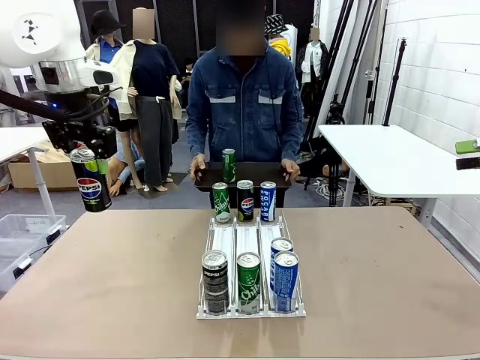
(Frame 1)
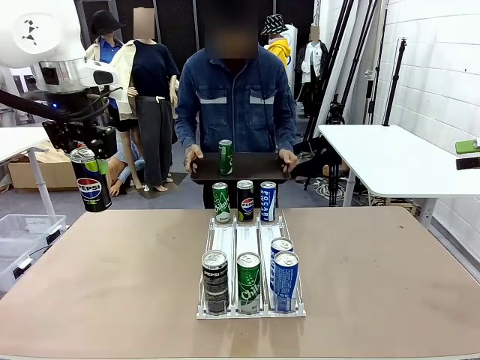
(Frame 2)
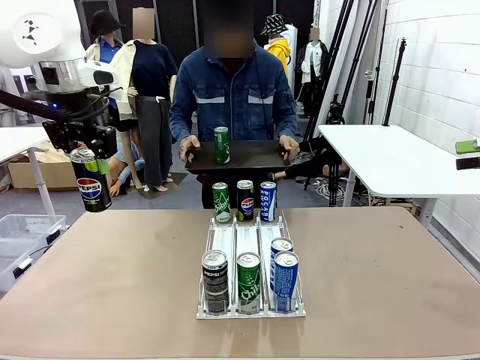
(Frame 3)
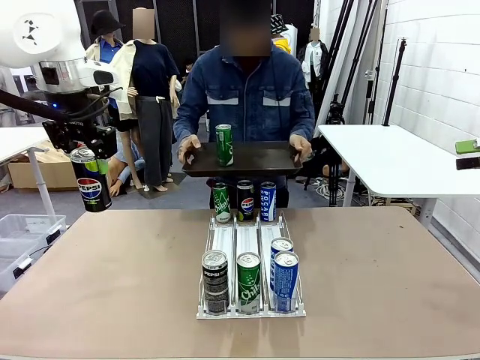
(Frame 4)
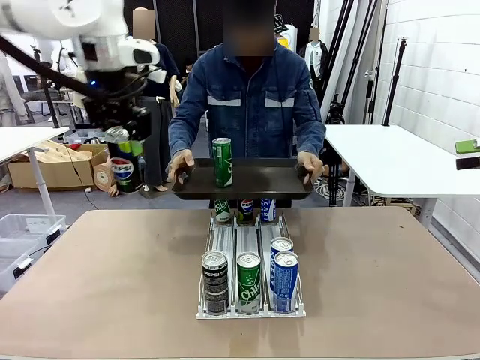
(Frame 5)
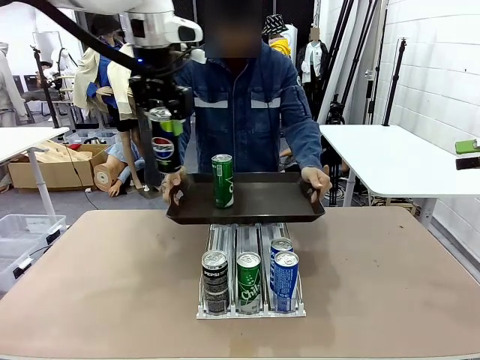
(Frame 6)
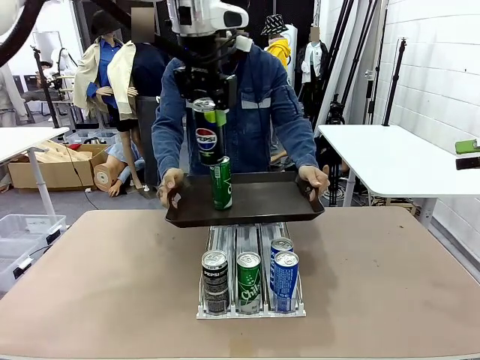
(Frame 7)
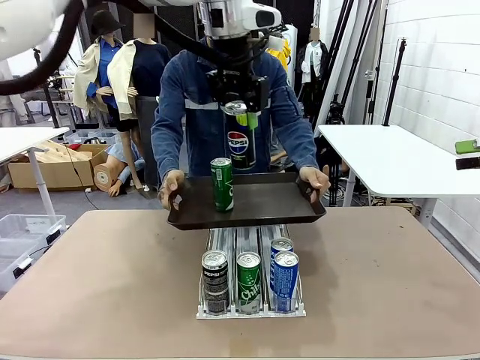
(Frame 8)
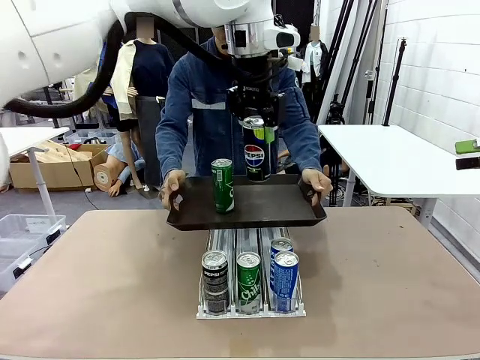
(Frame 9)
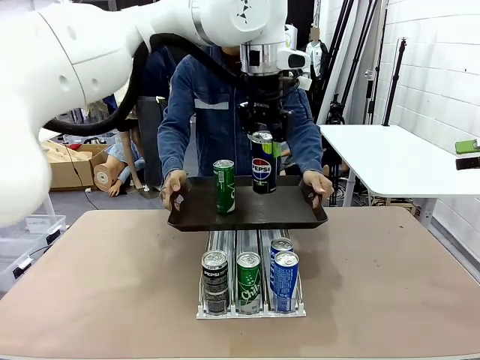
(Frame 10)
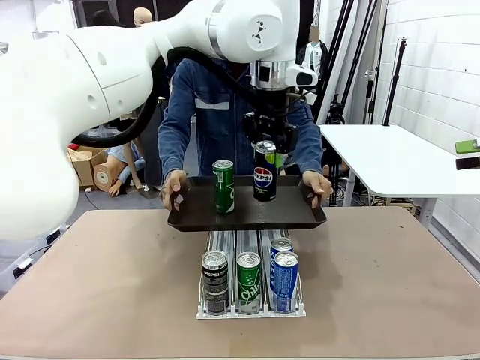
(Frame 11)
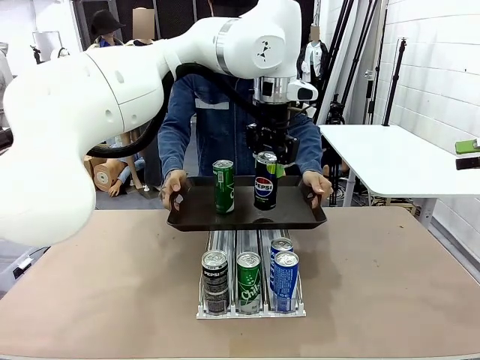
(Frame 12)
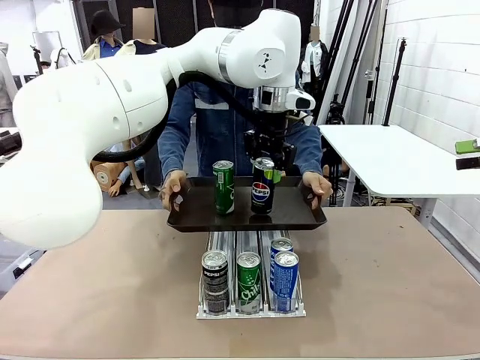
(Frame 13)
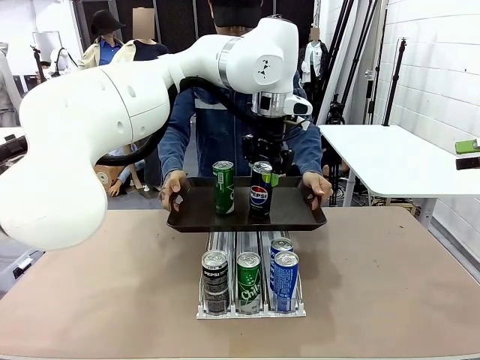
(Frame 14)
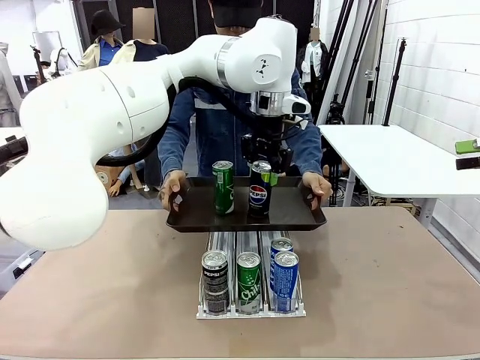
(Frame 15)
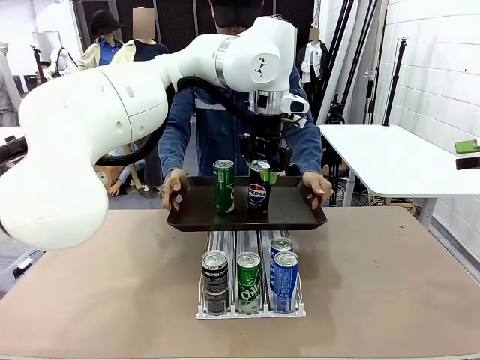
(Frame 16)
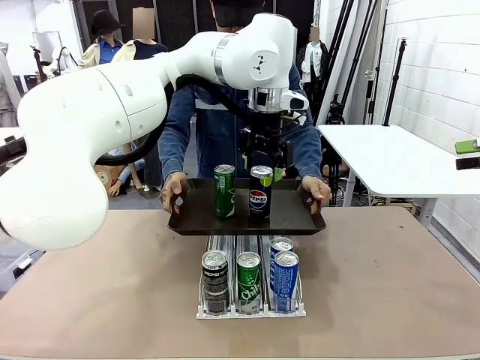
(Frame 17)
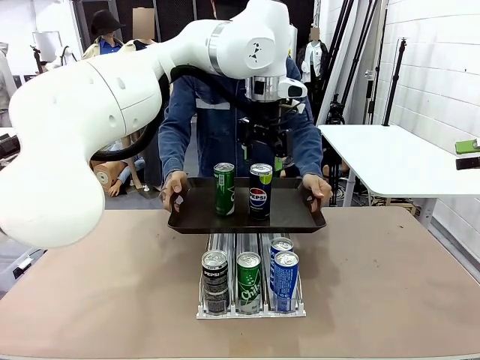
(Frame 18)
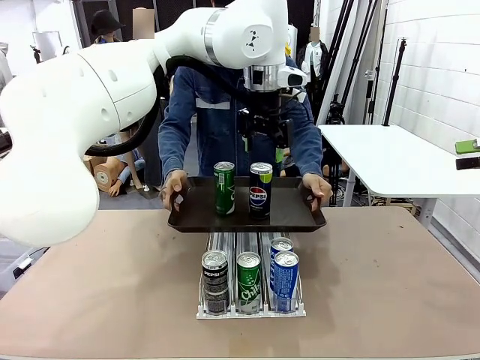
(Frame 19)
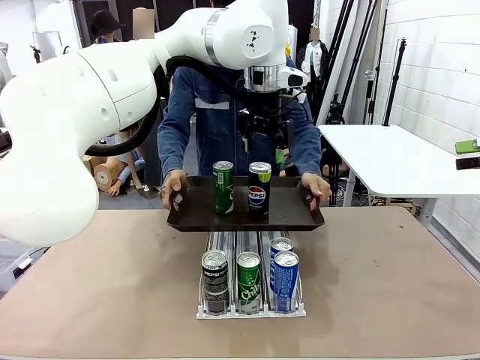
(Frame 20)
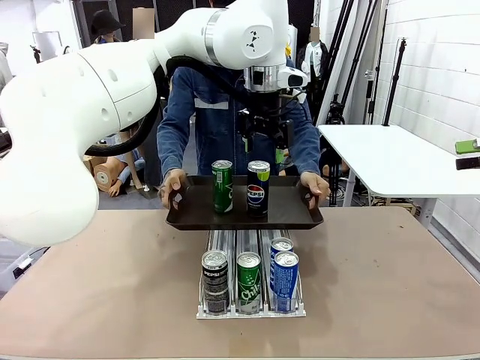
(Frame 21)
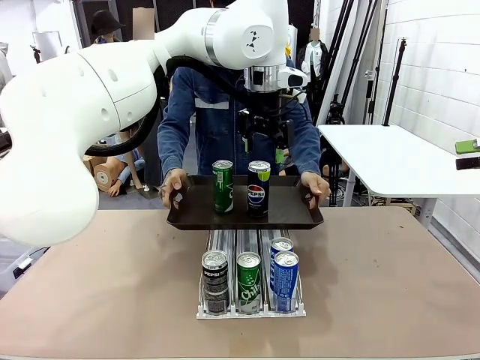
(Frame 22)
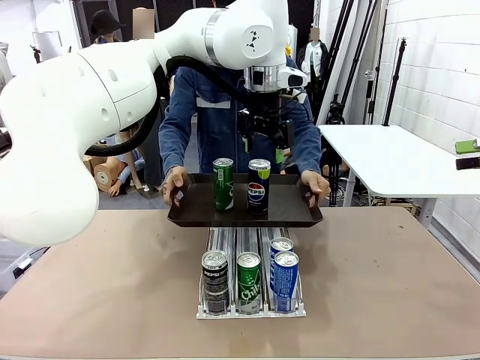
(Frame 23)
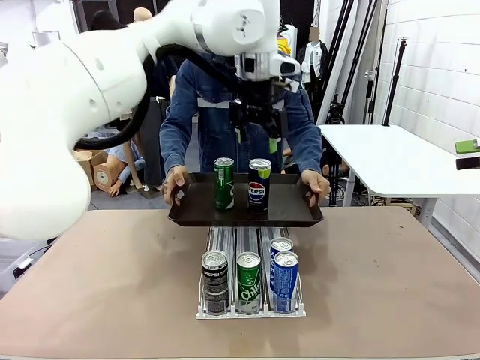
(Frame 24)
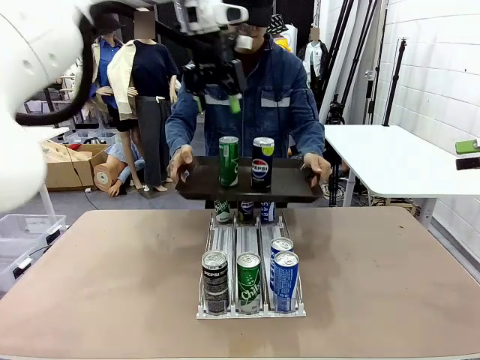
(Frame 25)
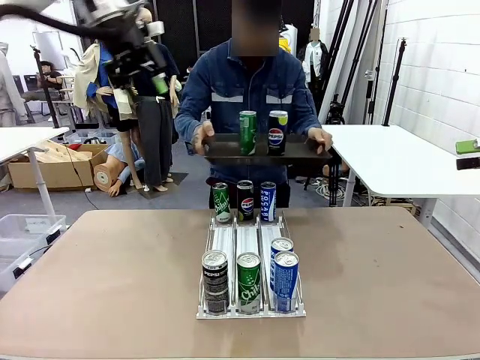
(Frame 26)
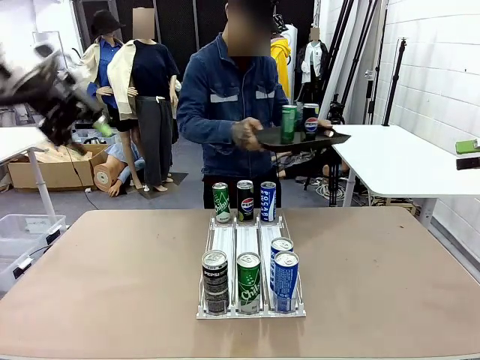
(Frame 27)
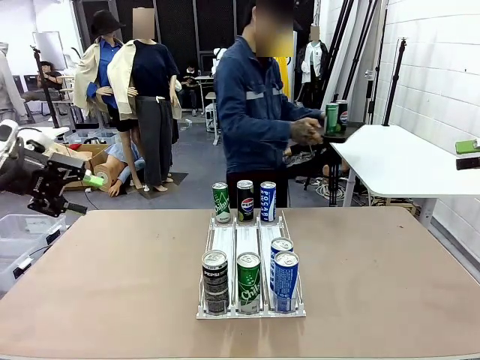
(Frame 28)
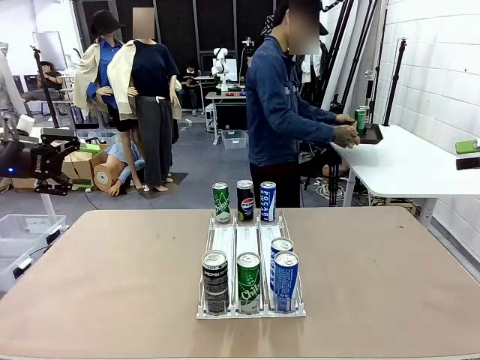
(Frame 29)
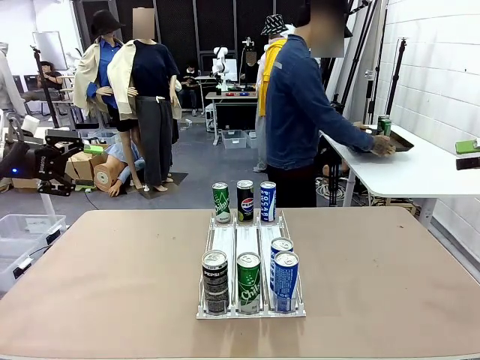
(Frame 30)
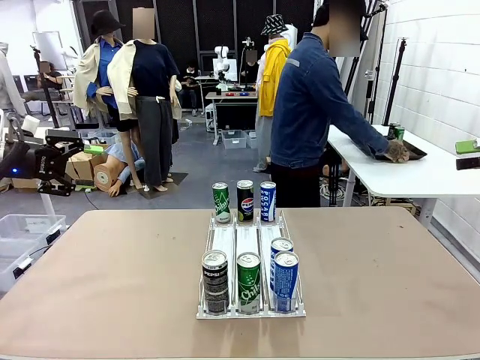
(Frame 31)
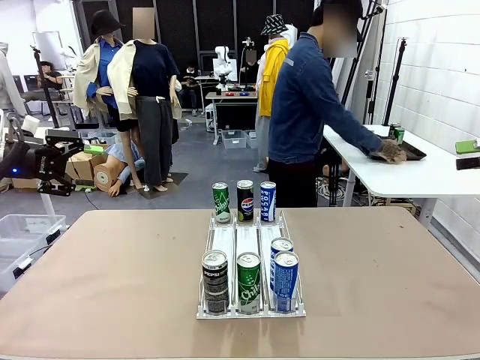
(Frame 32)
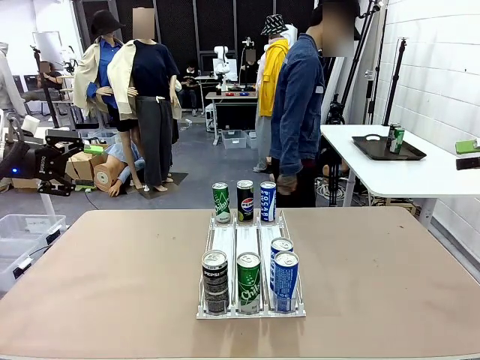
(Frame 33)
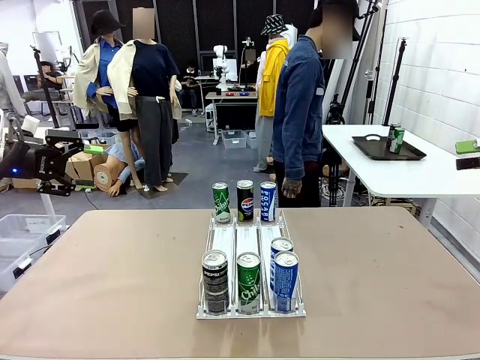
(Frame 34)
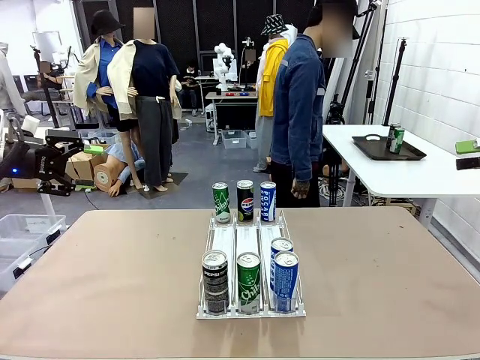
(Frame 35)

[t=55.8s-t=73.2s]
Task: Retrieve and hand over the desired beverage to the person.
Robot: Place the picked can on the Handle tray extended by the person.
Person: Pull the tray back and place it at the center of the human table.

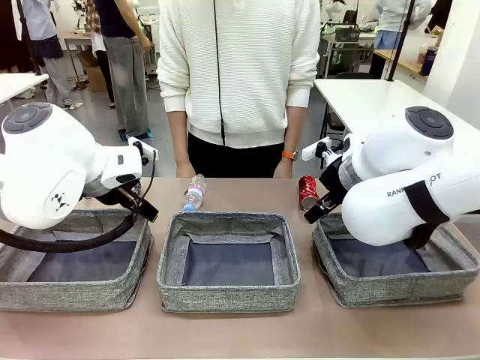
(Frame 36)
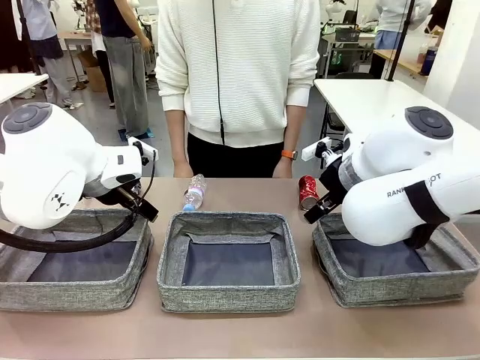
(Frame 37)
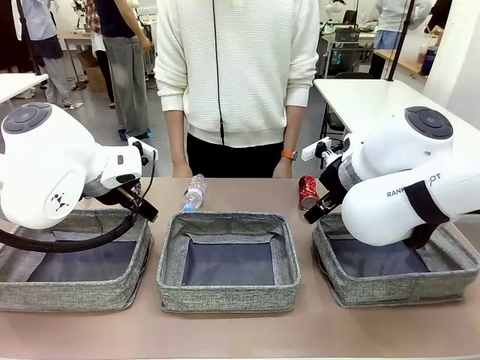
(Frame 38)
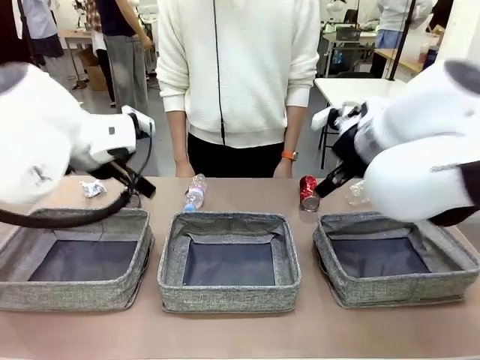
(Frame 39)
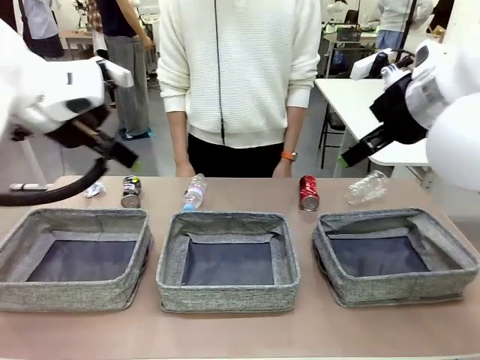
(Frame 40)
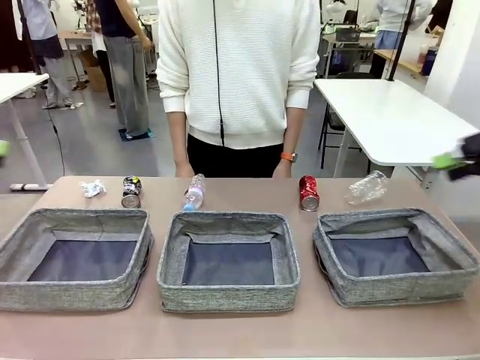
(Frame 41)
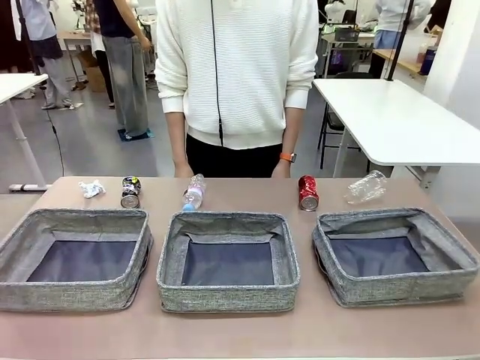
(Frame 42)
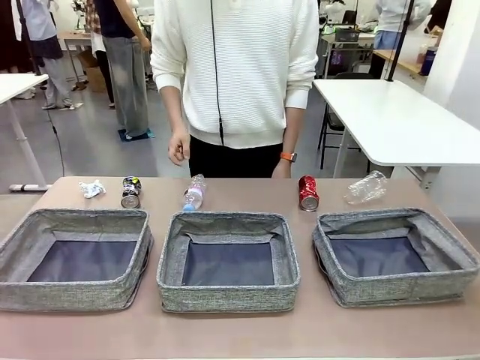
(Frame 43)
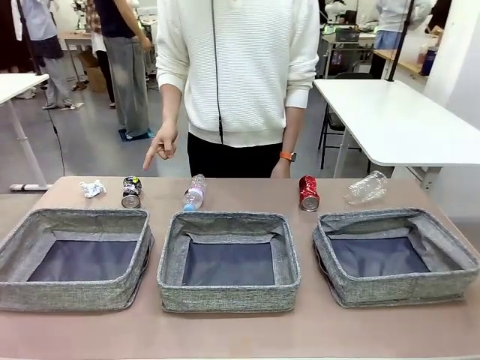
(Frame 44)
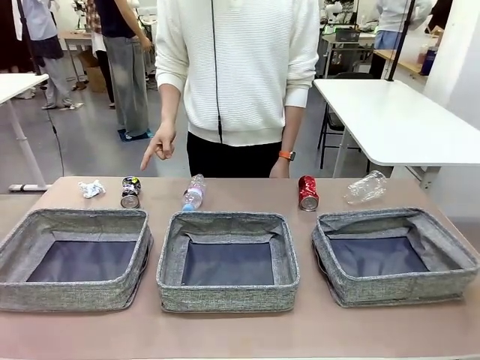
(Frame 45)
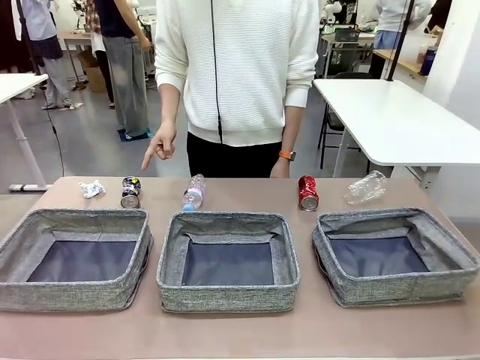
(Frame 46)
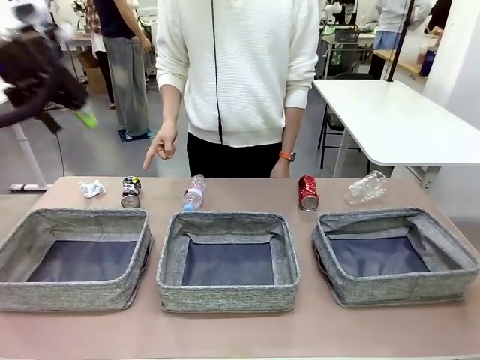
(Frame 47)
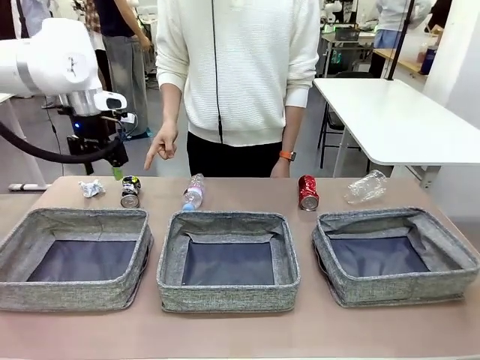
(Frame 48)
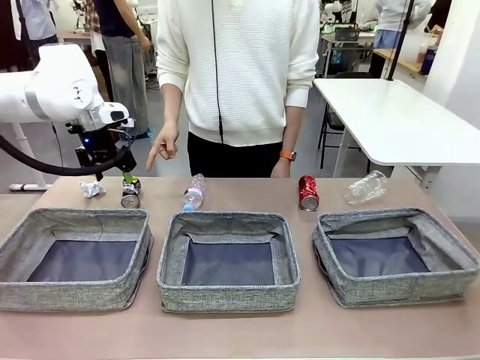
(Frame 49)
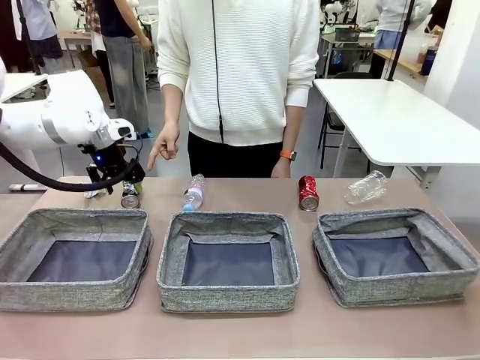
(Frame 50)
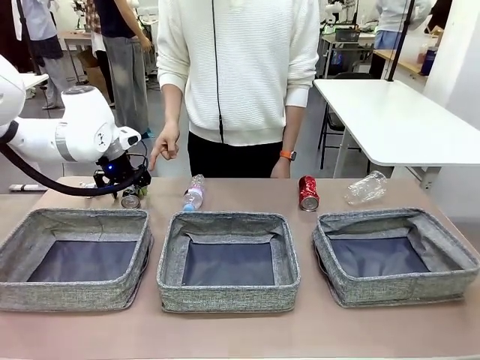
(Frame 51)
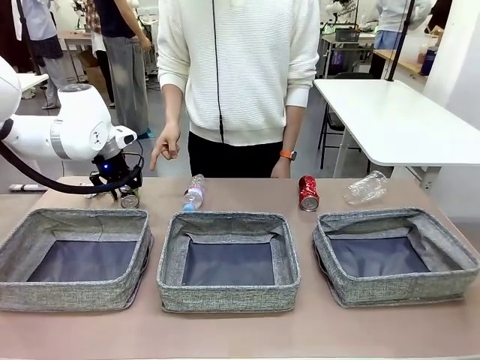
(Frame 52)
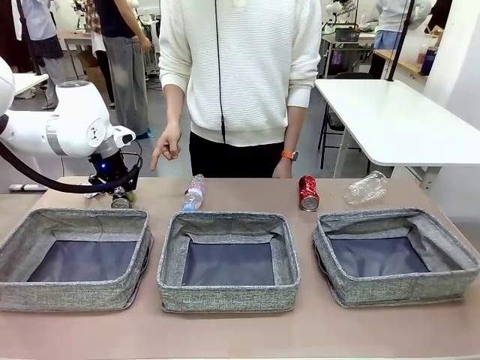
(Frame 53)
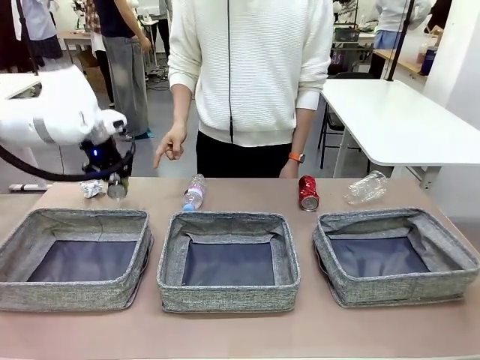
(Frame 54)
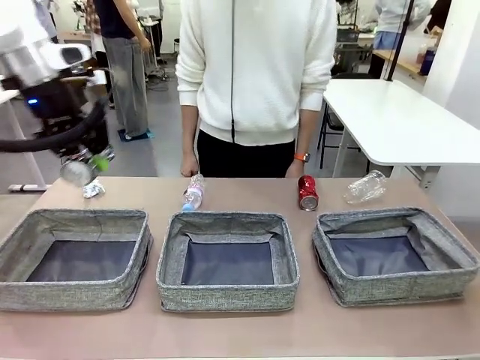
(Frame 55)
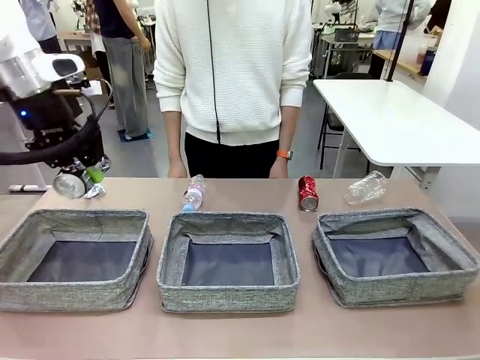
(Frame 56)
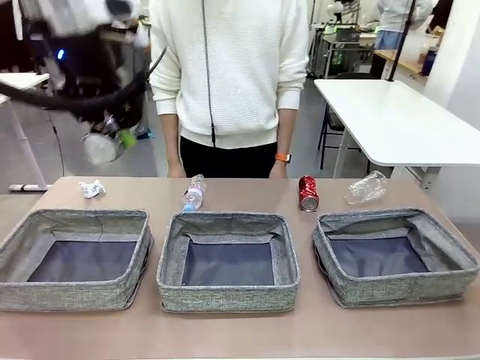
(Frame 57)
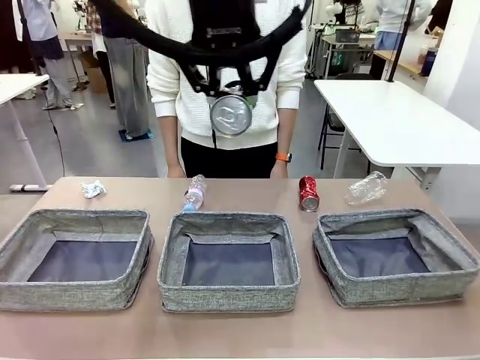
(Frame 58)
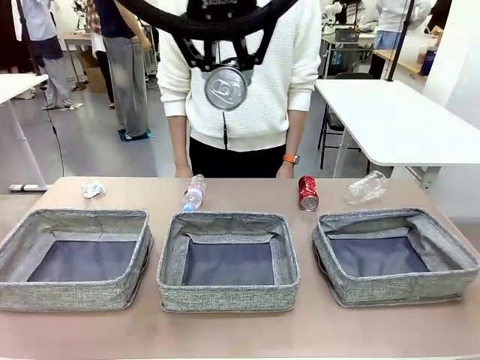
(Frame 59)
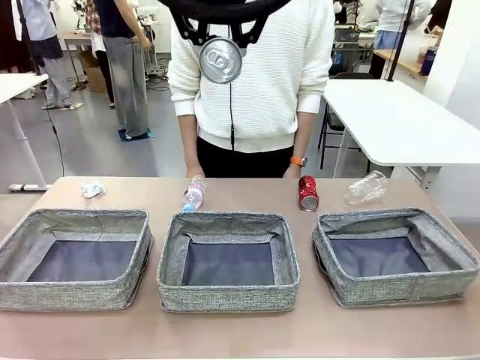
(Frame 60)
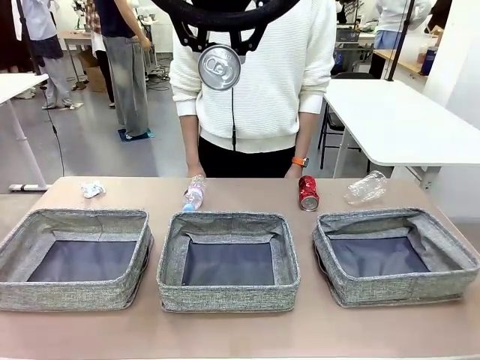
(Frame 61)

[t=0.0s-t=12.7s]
Task: Sort the waste into the appropriate baskets.
Robot: Pick up the waste item pointed out by the person.
Person: Points to one piece of trash on the table.
